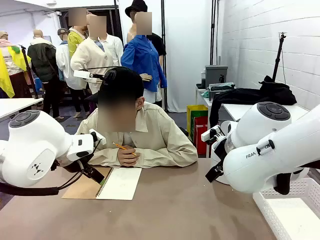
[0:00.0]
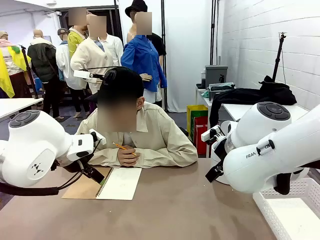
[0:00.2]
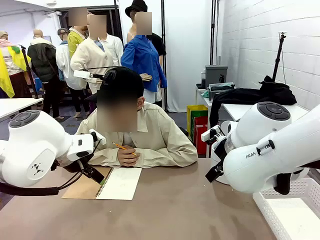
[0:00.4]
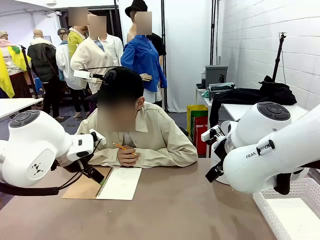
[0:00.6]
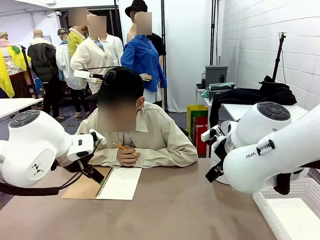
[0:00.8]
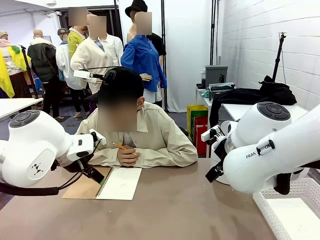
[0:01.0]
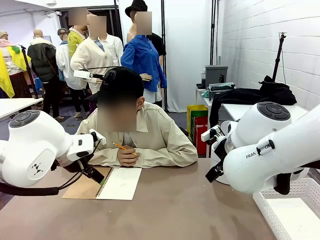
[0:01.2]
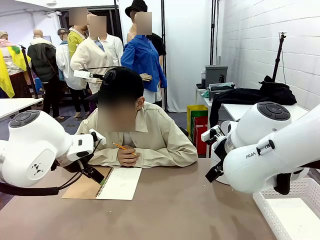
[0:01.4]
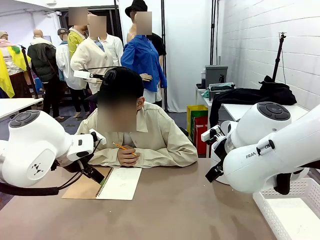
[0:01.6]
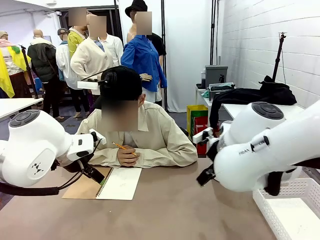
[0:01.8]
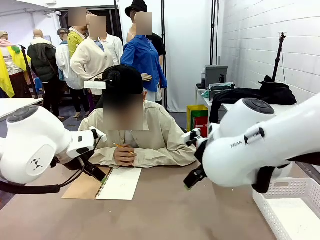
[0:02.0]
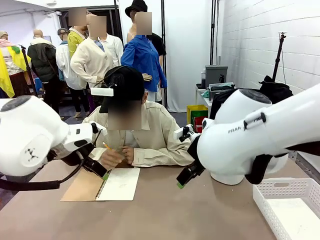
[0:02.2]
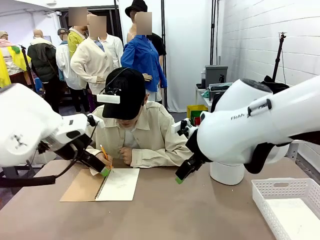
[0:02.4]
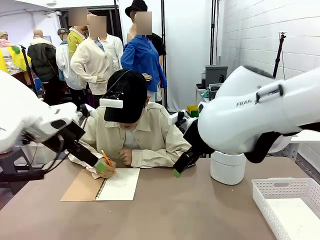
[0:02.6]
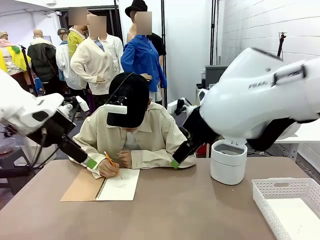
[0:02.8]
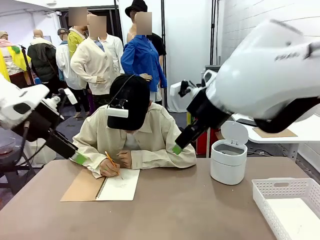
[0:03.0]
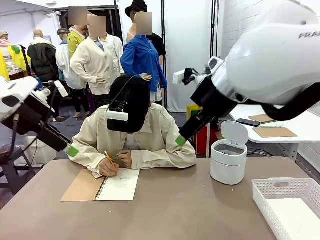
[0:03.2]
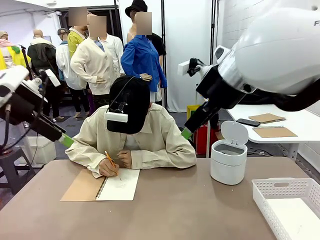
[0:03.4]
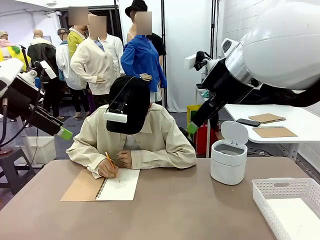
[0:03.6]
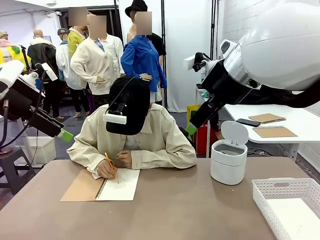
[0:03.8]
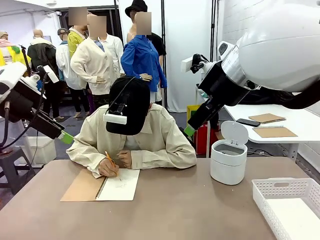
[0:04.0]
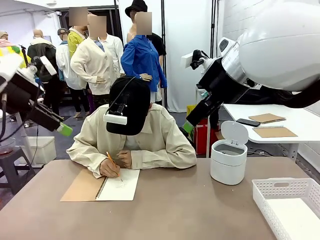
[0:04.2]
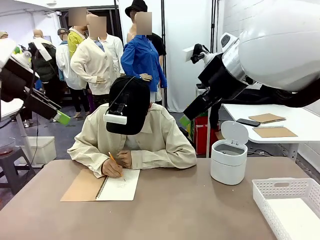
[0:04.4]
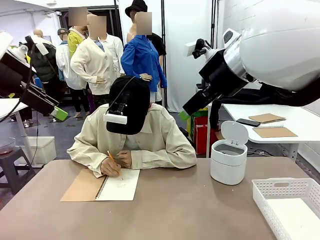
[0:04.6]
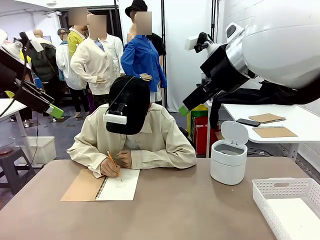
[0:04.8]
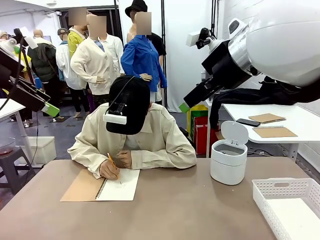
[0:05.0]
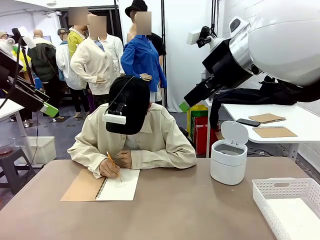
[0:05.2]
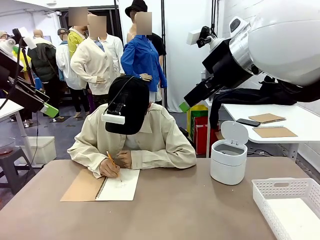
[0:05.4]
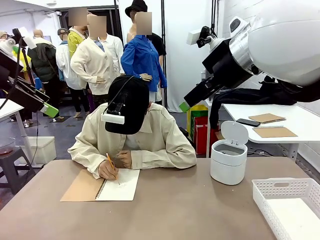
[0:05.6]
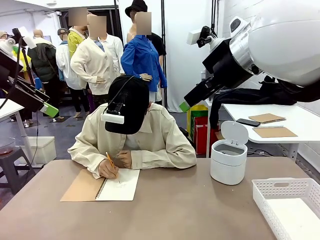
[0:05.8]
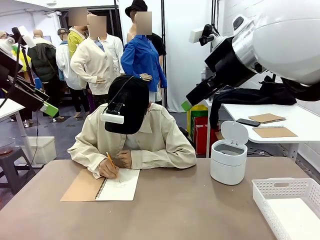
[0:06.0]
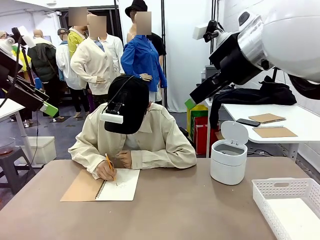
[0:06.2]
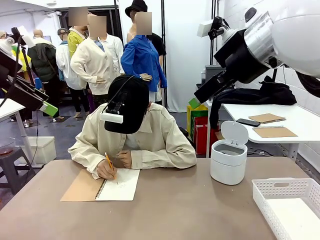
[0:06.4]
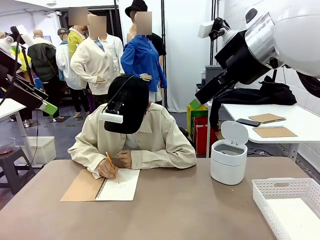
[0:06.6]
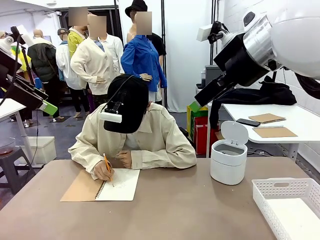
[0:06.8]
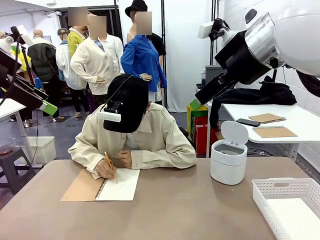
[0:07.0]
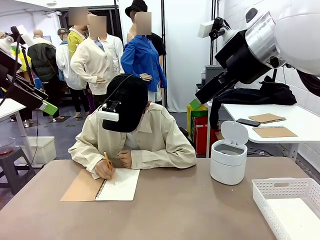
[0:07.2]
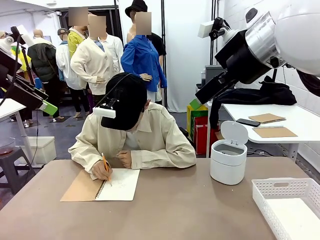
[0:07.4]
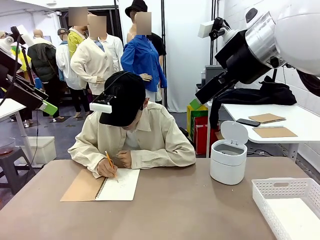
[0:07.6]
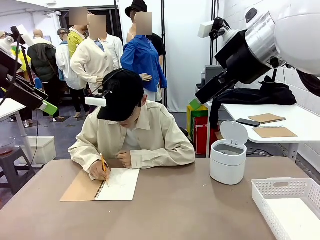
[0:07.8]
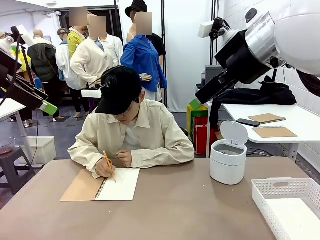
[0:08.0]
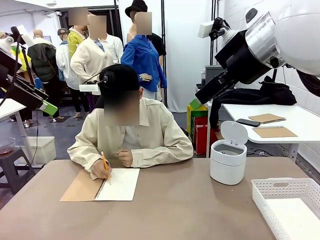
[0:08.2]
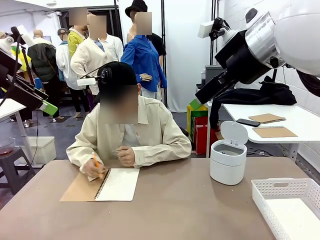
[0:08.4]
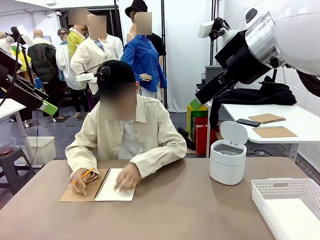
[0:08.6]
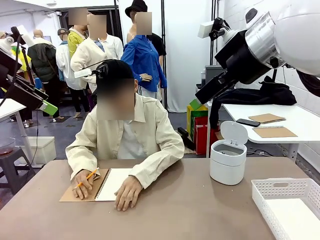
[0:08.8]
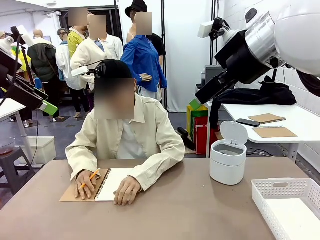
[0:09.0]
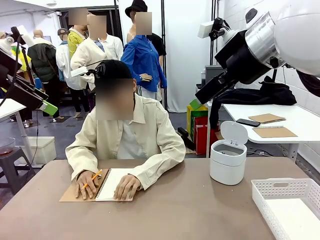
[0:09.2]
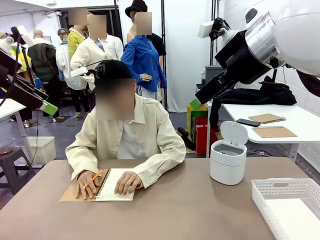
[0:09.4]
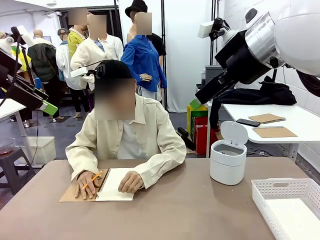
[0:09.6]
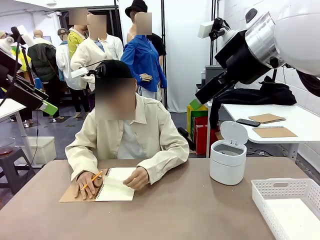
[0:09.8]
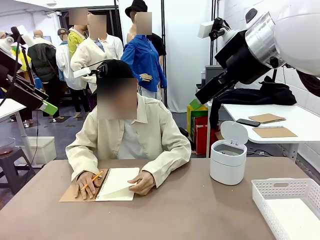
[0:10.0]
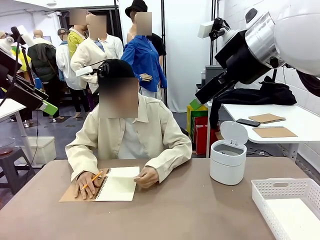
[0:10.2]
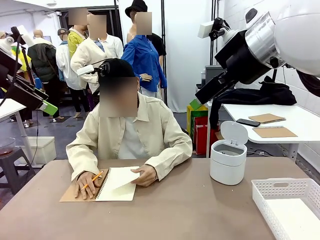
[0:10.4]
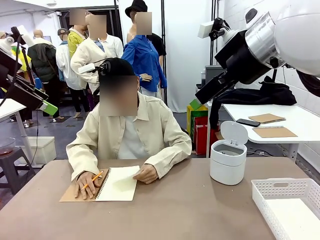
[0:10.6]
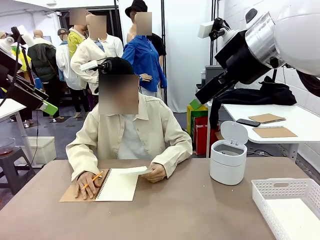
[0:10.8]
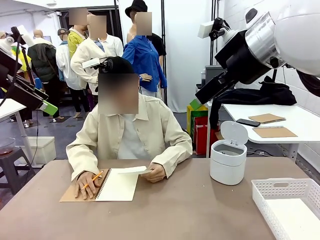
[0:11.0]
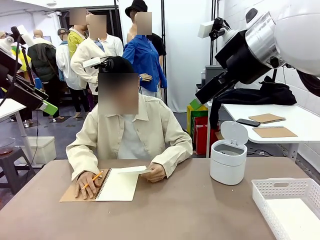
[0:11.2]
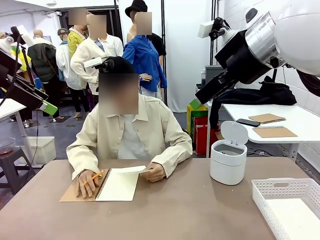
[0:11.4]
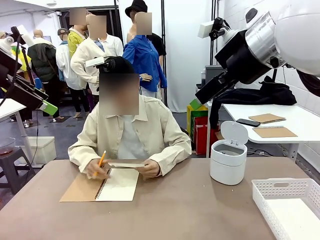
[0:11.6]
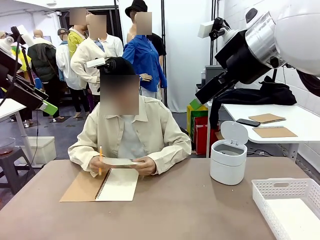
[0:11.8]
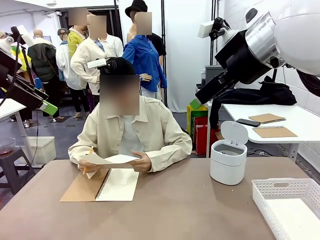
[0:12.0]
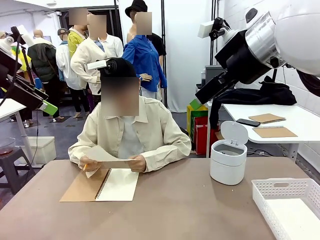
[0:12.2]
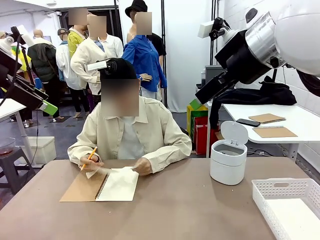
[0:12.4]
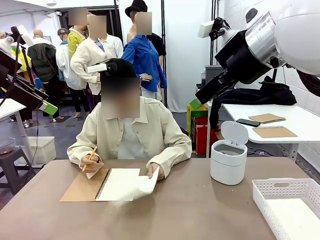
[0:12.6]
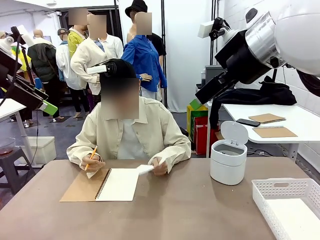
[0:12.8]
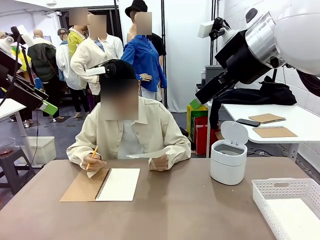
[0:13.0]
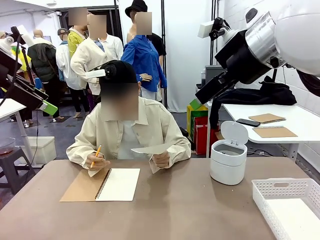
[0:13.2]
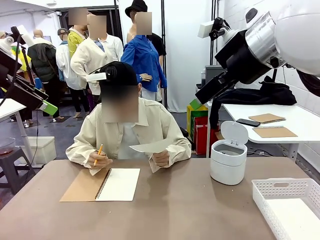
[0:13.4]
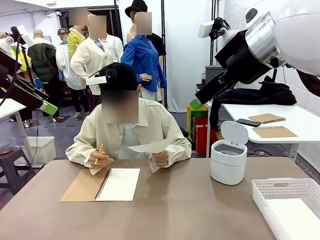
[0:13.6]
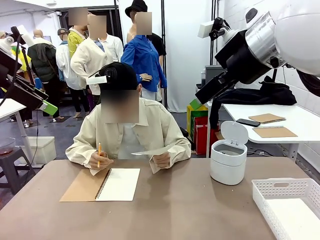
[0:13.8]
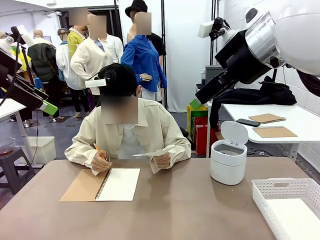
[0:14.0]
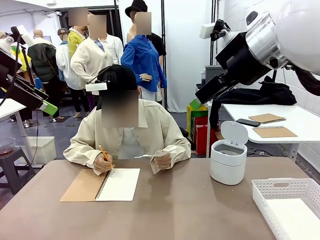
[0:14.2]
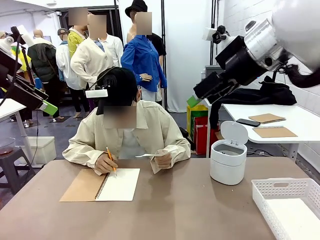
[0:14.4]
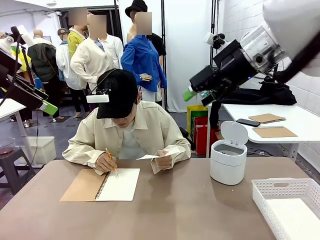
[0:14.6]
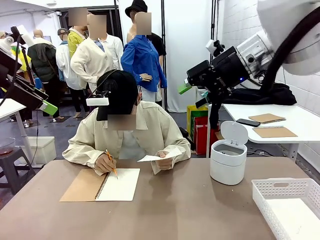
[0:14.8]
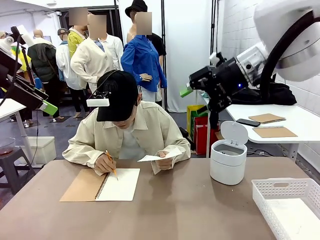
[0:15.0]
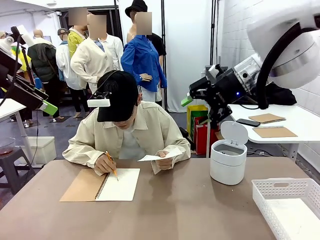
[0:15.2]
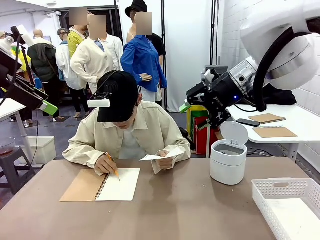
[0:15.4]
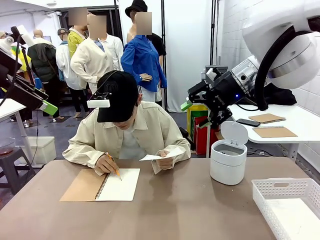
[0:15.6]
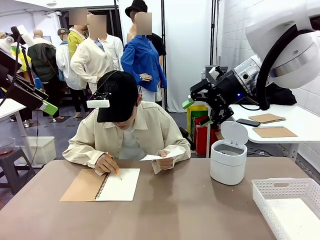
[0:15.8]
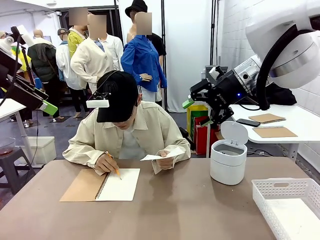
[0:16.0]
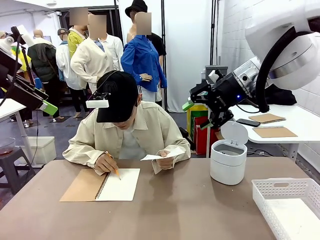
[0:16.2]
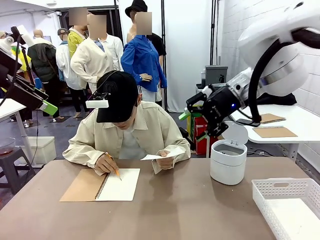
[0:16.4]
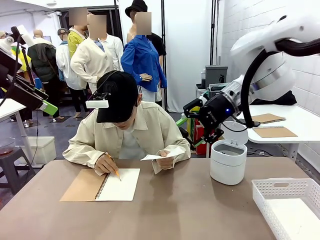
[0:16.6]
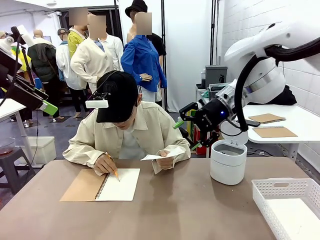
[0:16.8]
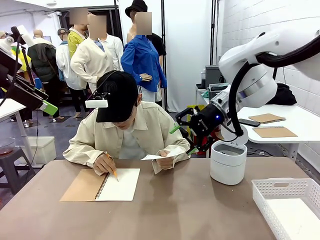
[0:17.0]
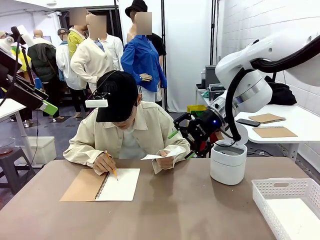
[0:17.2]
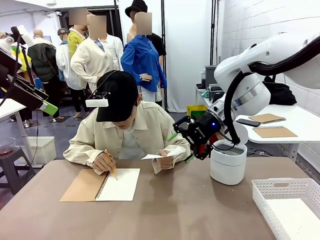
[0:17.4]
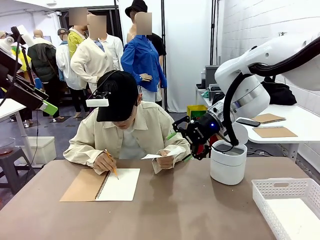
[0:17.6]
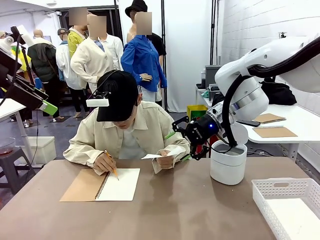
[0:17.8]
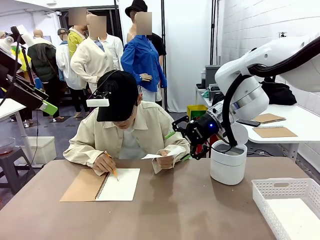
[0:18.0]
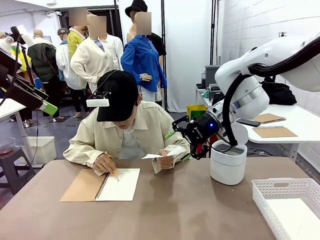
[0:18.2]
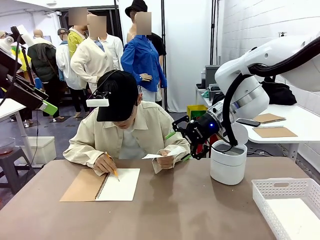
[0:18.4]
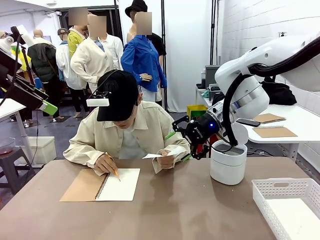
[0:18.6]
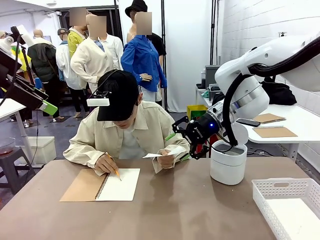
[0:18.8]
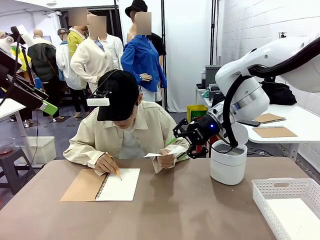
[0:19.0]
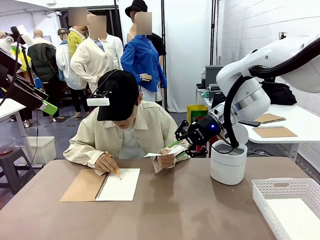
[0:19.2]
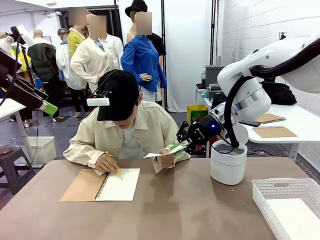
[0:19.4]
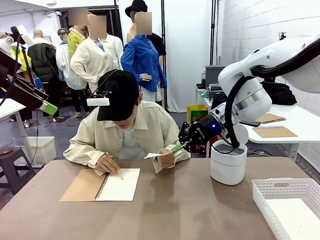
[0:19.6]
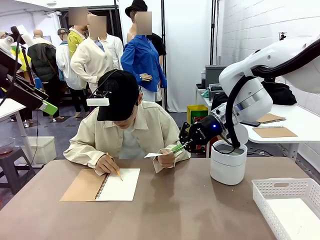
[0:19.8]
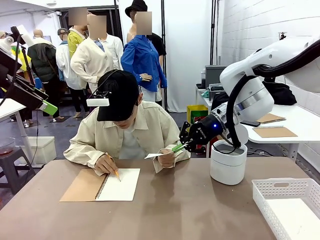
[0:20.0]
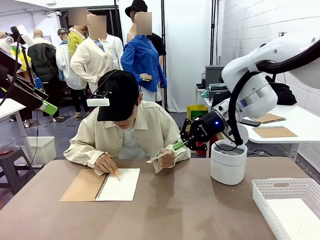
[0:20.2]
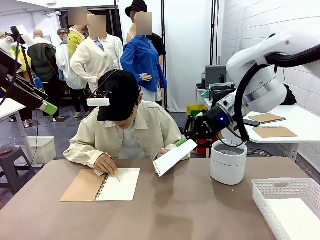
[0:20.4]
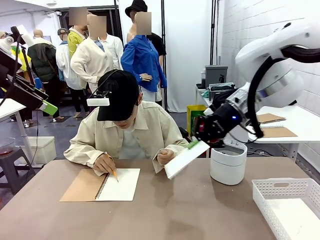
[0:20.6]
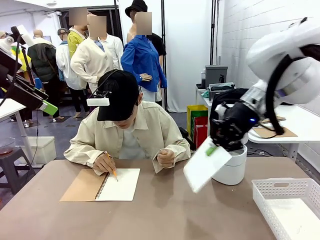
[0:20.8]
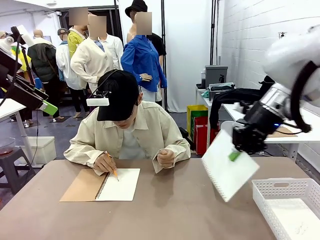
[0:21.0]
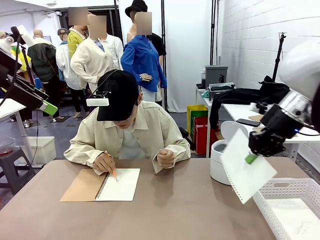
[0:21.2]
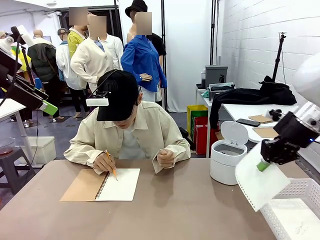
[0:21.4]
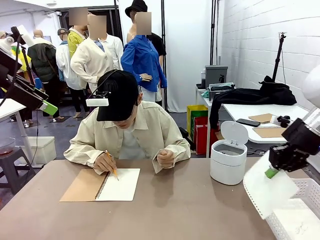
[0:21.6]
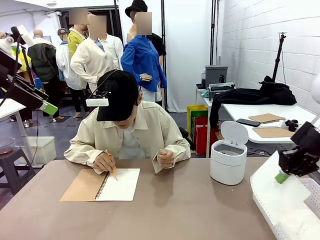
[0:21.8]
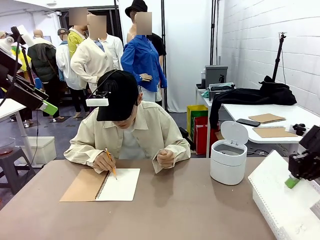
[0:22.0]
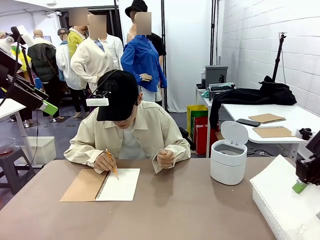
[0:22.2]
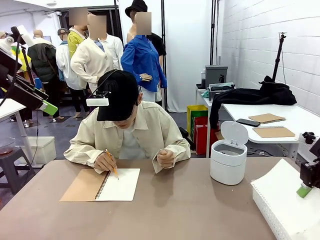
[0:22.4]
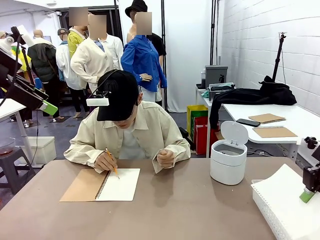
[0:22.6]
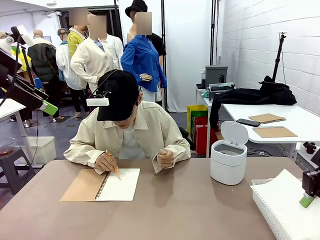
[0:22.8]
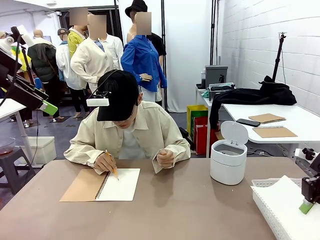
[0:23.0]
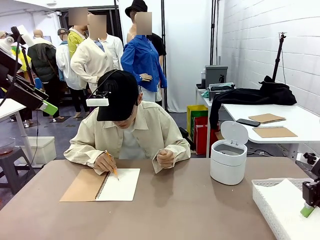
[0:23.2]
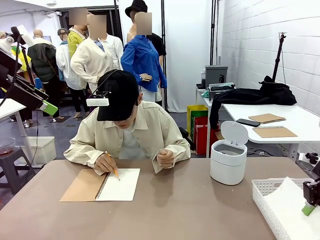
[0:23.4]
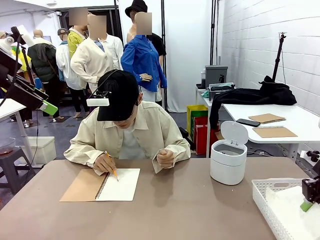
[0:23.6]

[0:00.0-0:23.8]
Task: Sort the paper based on its condition.
Robot: If a person hands you a paper, place it in the Organizing basket , and if it's crumpled, put it in the Trash can.
Person: Tear out a page from the spiral notebook. Hand the torn page to the robot or crumple it and throw it to the center of the table. Tear out a page from the spiral notebook.
